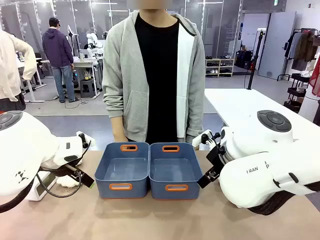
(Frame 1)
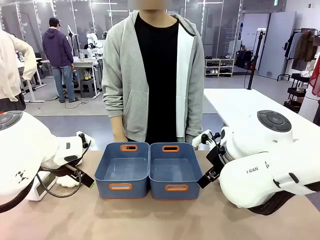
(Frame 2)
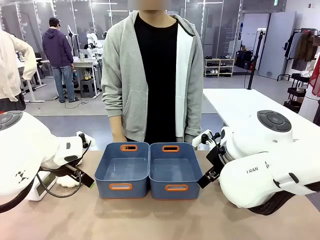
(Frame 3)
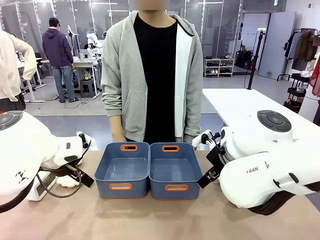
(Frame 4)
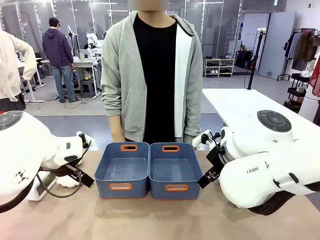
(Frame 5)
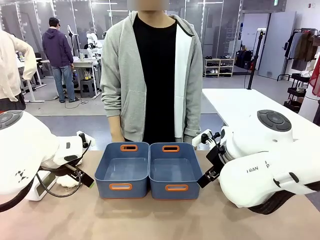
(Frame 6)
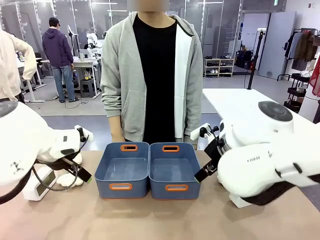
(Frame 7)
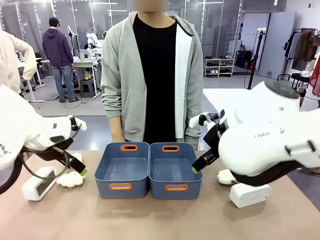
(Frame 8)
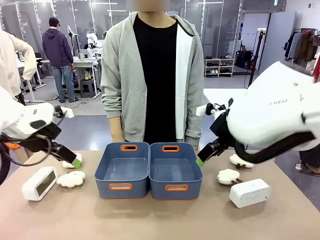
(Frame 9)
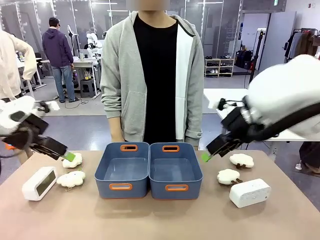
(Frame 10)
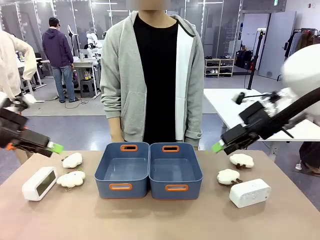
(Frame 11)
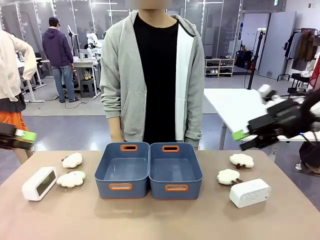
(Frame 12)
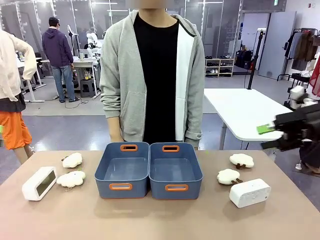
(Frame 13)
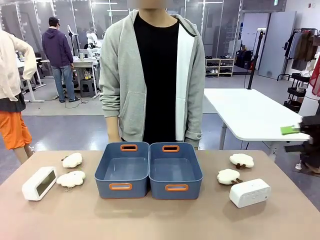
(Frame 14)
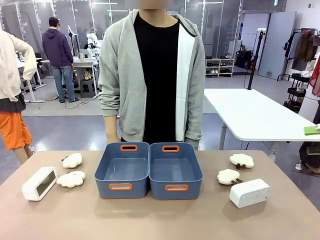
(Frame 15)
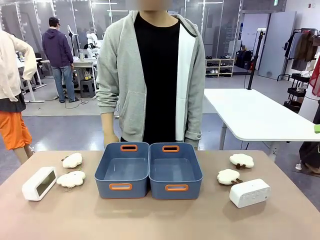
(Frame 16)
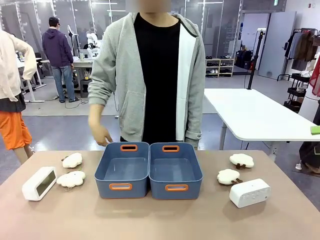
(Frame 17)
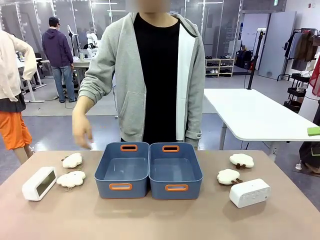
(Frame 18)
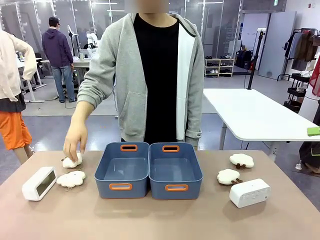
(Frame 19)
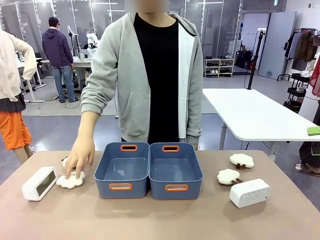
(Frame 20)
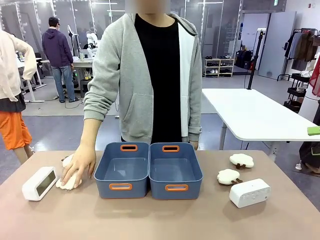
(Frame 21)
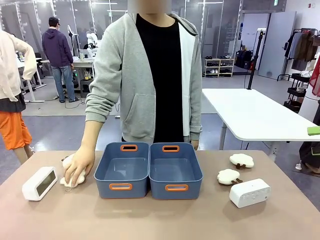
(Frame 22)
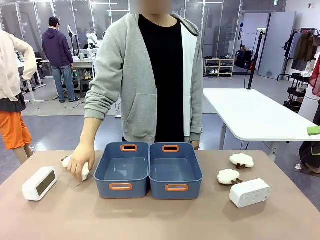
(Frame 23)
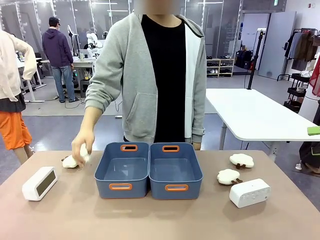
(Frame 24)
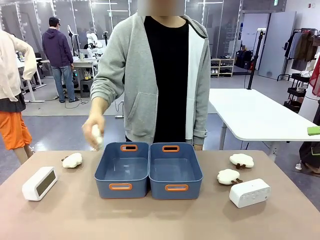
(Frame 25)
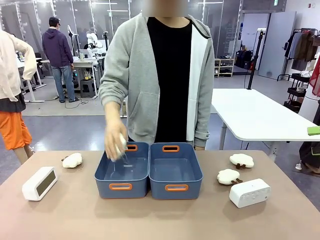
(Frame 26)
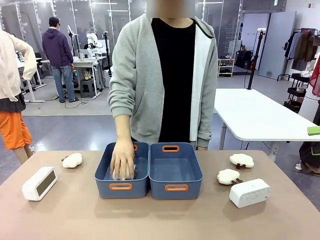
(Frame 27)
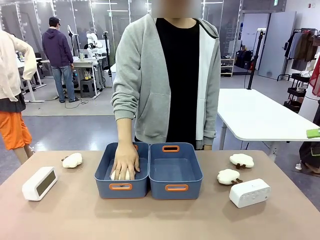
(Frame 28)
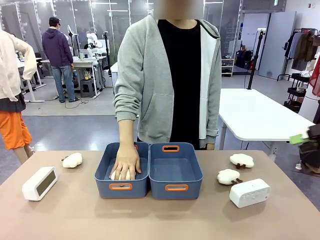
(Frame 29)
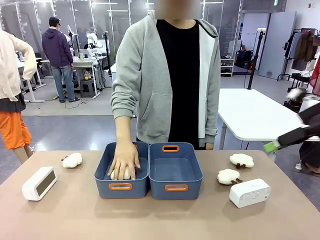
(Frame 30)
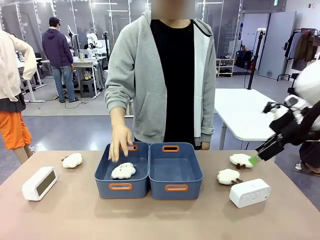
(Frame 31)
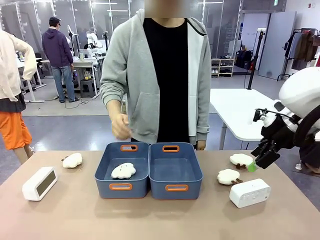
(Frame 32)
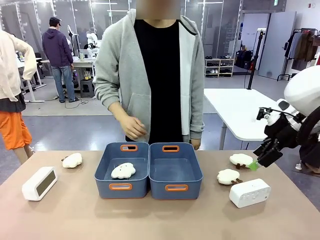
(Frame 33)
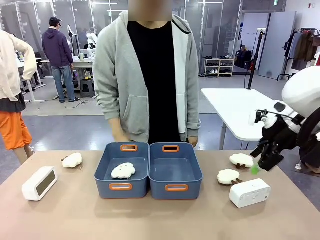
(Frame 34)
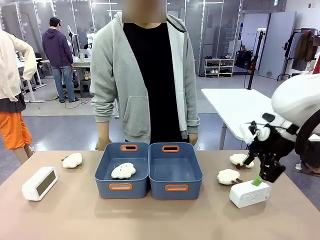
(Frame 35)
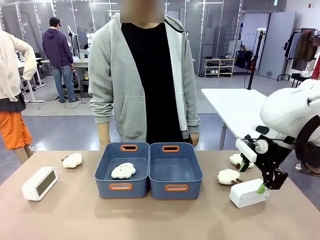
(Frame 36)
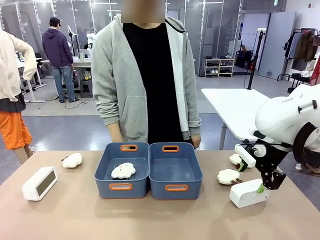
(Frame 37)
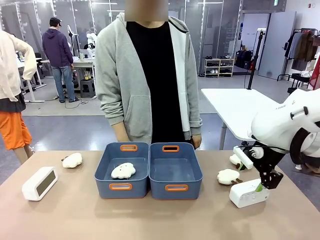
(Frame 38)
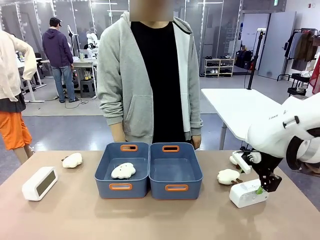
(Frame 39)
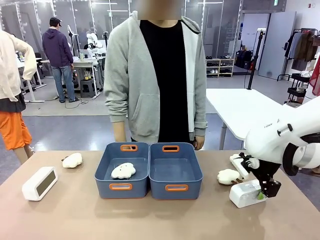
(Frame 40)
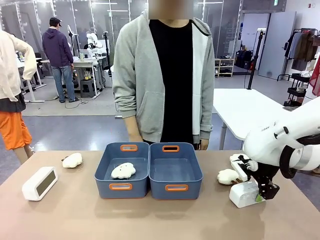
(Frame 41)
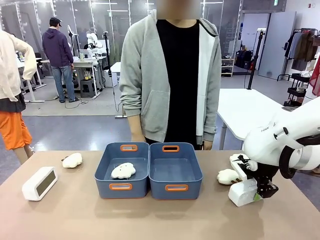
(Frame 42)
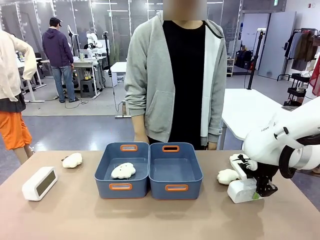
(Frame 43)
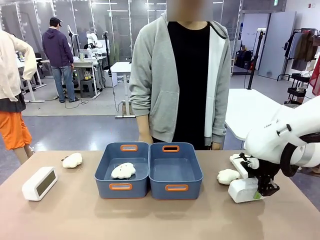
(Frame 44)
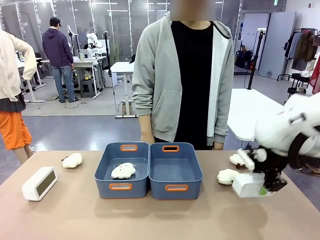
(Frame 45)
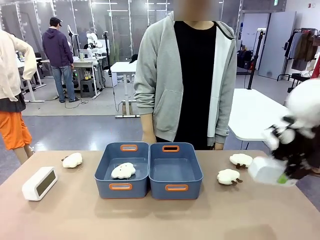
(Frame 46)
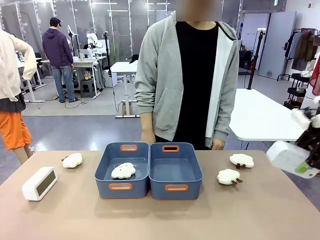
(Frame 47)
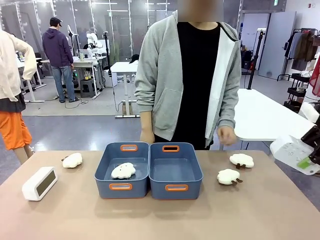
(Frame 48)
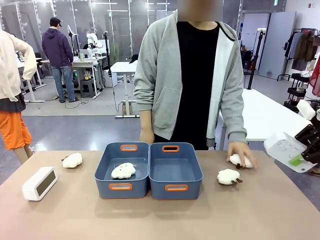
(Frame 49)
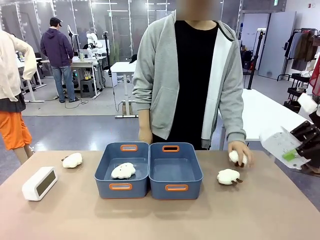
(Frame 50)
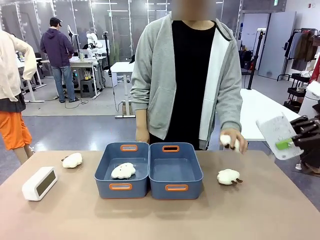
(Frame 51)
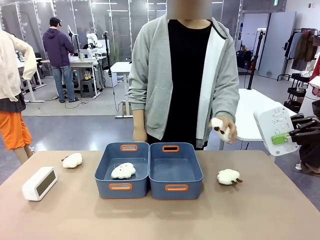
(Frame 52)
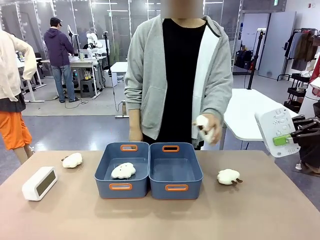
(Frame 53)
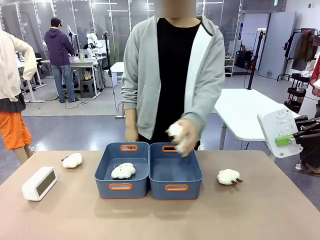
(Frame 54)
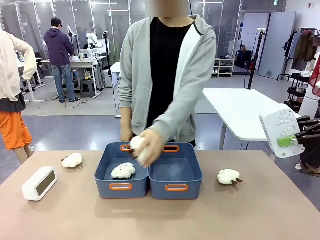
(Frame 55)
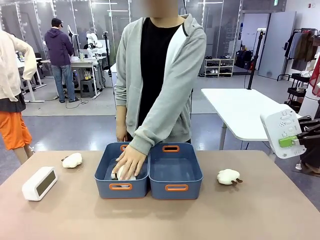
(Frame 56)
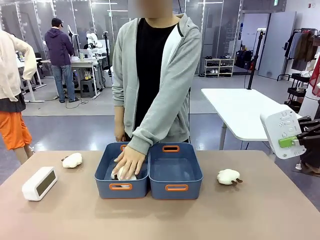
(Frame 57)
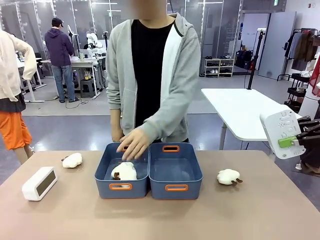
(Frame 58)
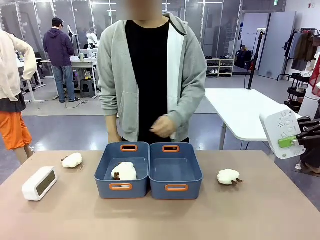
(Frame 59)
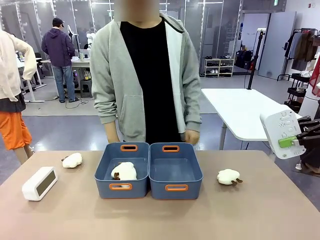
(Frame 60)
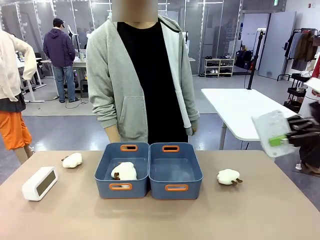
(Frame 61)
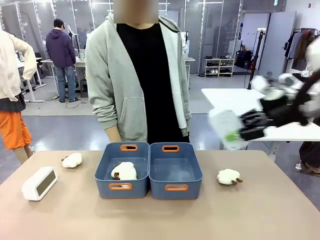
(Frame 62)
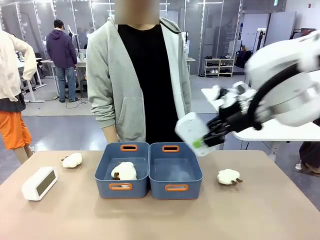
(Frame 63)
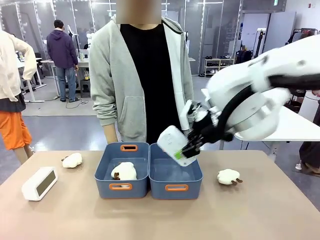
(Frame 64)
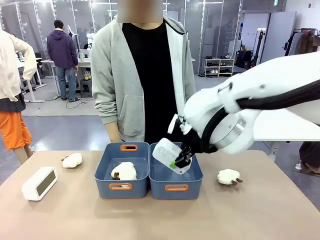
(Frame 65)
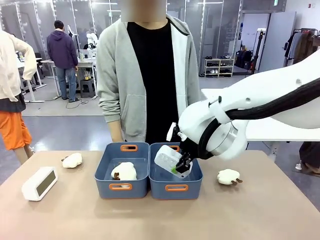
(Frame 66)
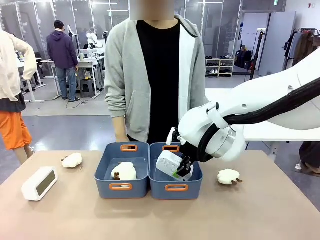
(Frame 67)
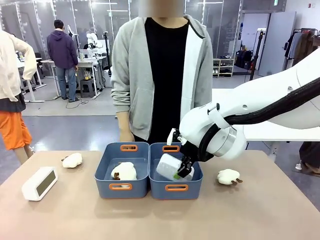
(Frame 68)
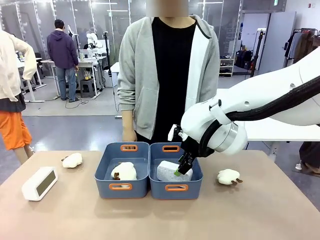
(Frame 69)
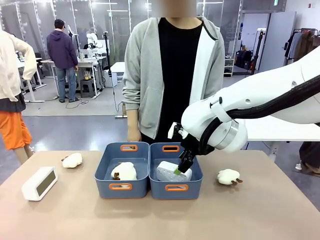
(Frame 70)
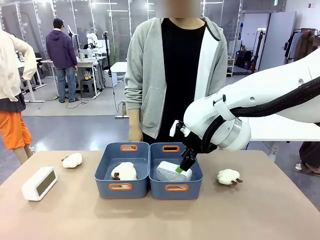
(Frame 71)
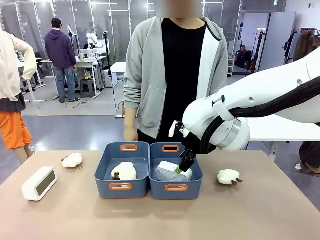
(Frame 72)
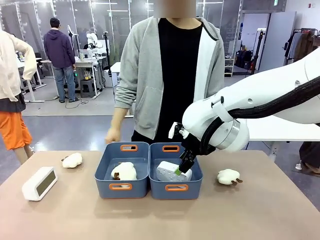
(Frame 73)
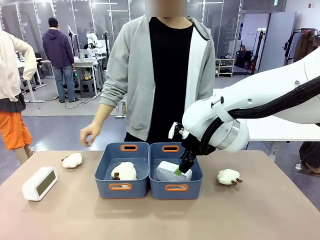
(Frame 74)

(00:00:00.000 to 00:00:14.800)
Task: Sort the digital clocks into the basket.
Robot: Pick up the Digital clock from the table and place it into the empty Plastic storage basket.
Person: Pick up a plush toy from the table and place it in a plastic storage basket.
